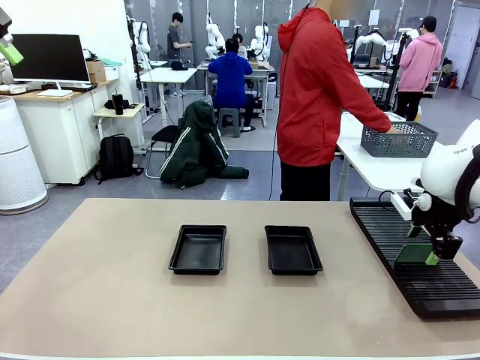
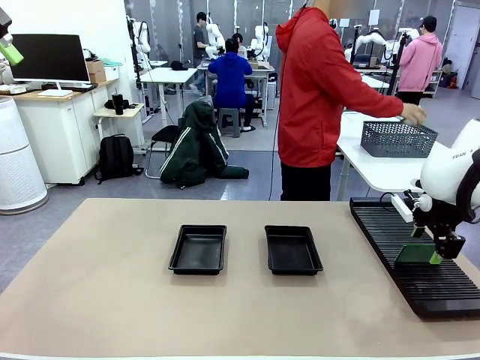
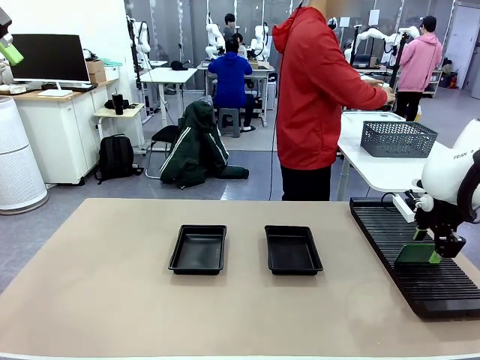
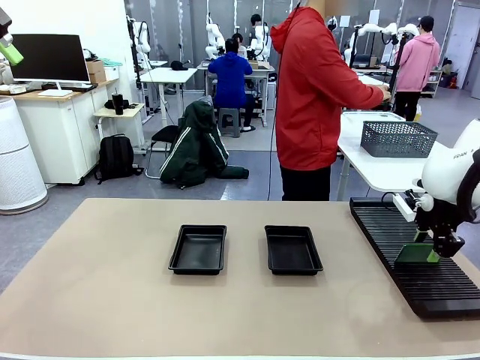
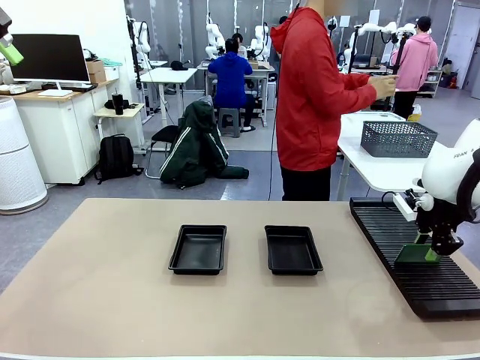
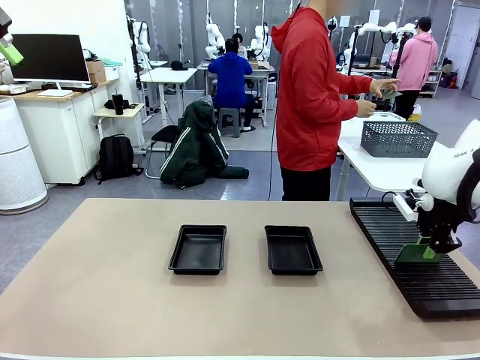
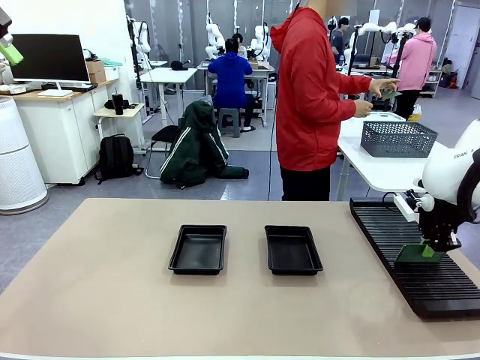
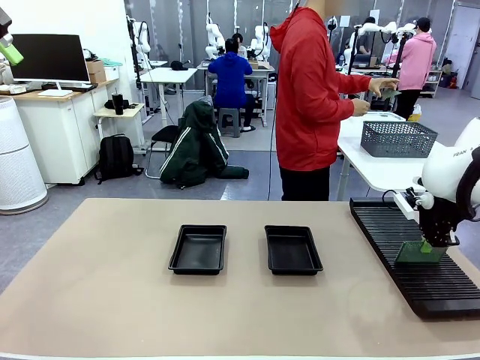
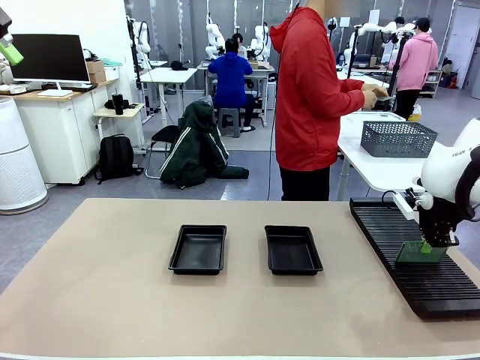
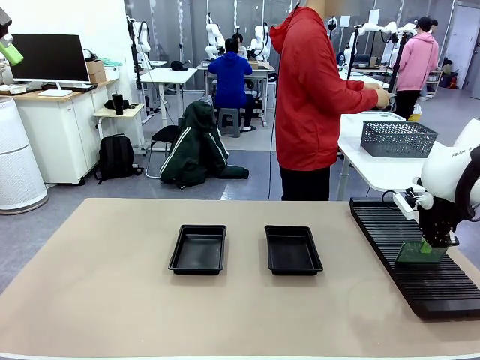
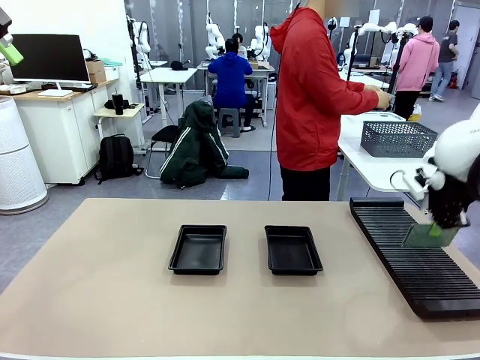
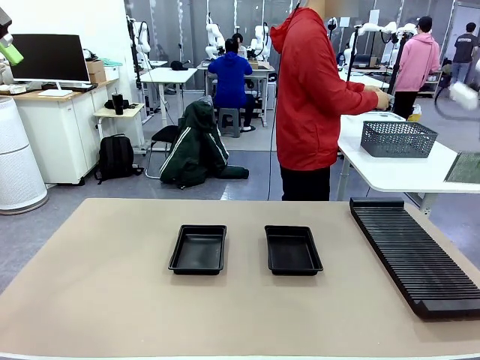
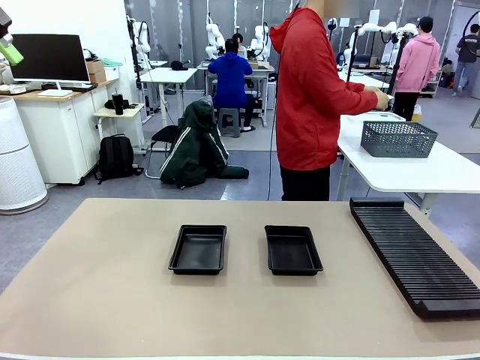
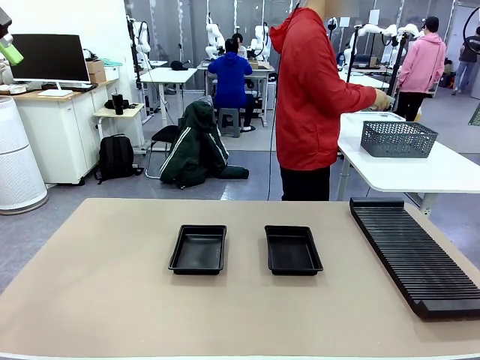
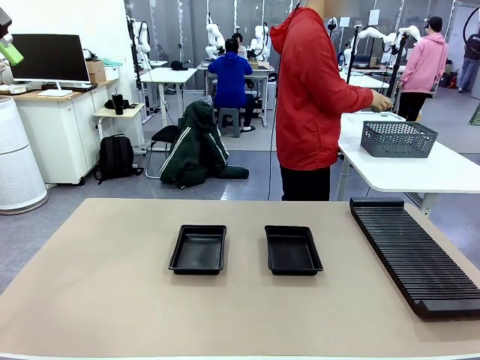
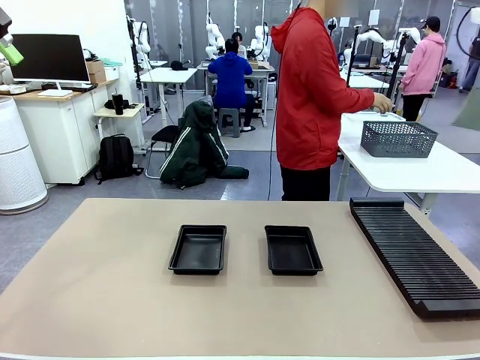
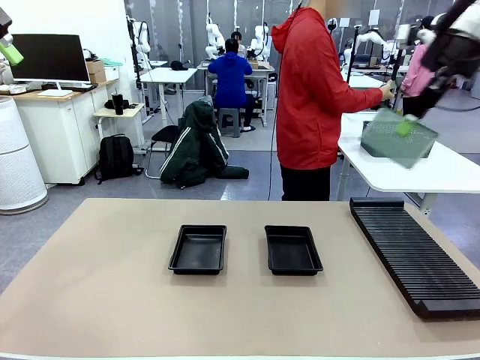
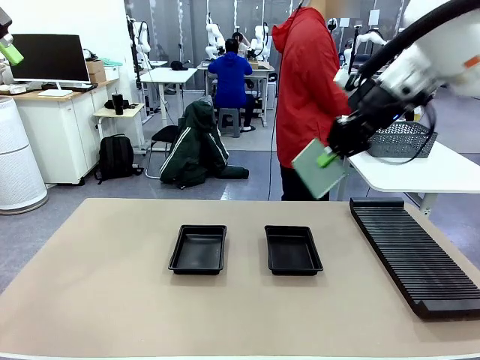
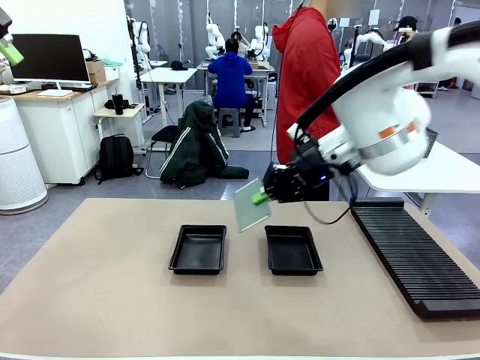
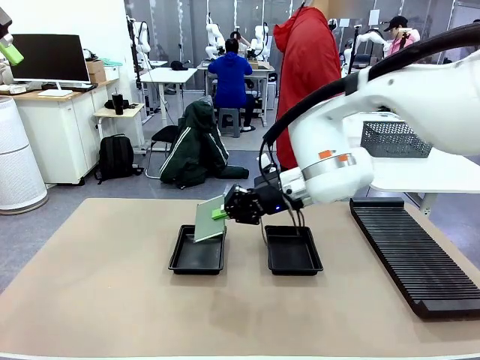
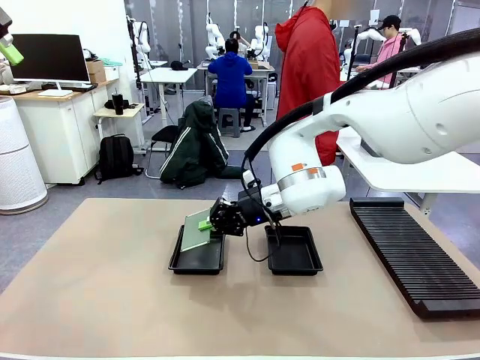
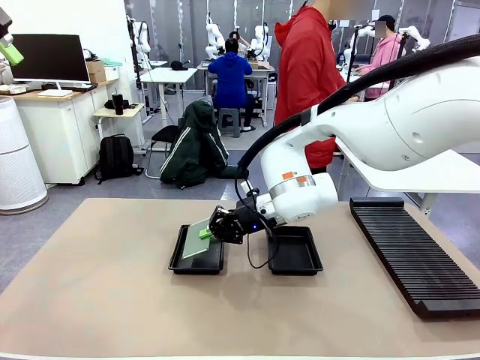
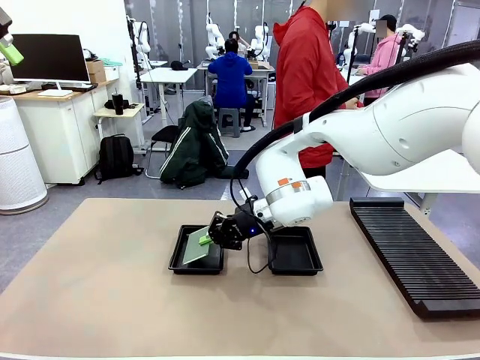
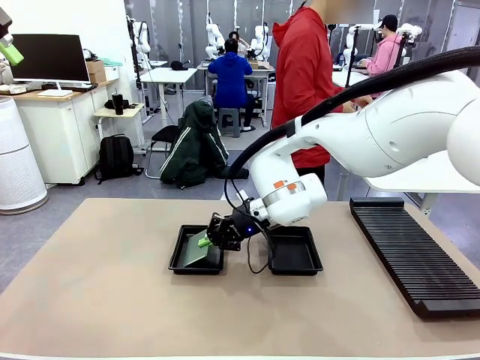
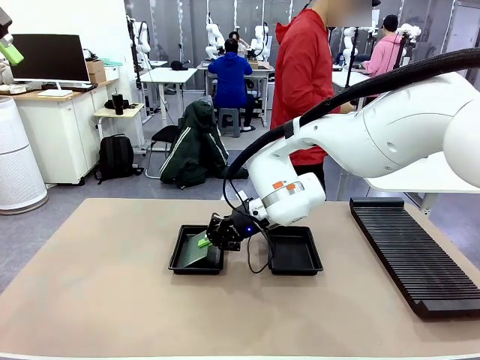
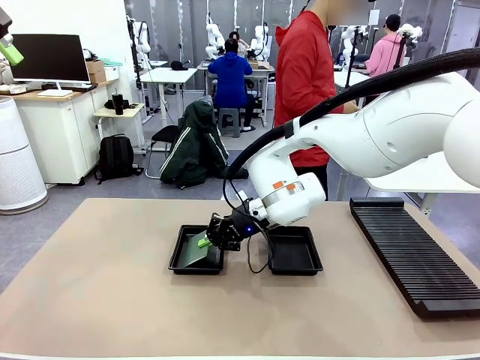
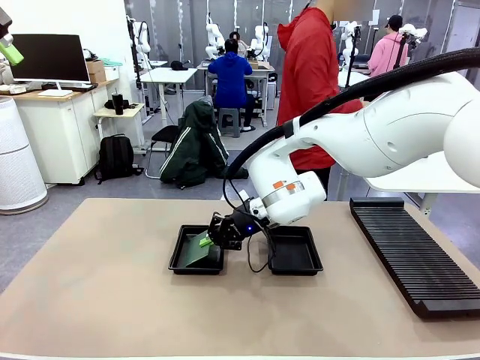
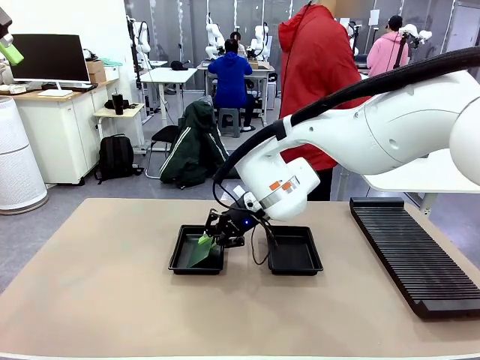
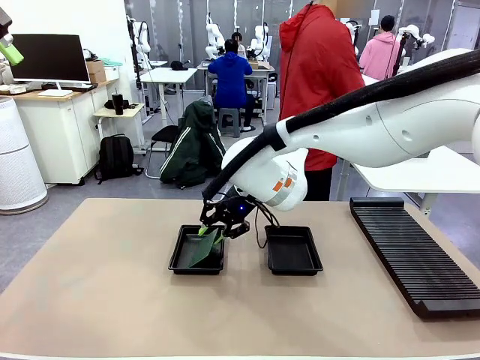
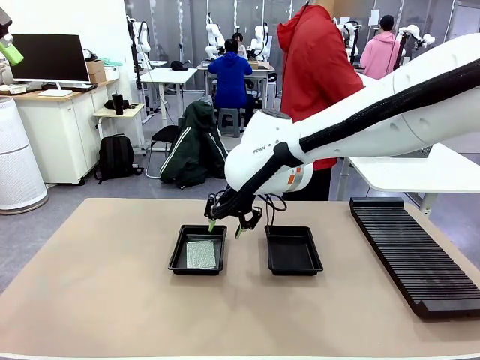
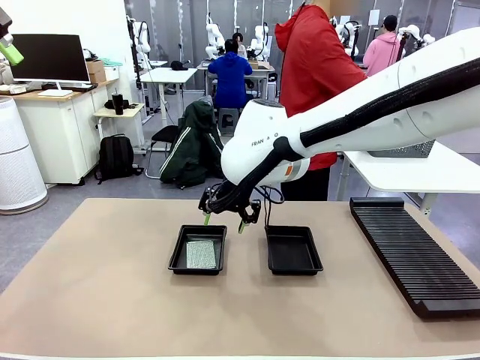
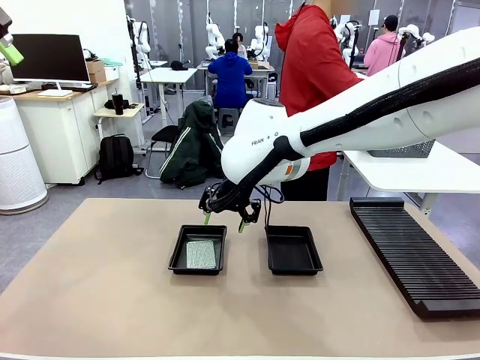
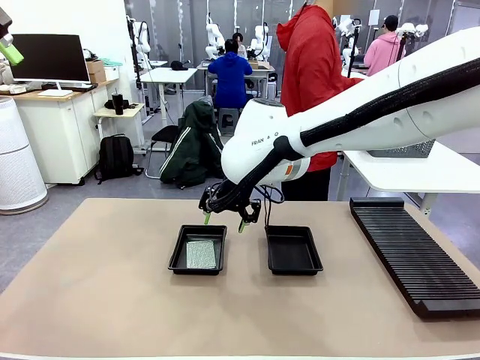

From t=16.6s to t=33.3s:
Task: Inspect and transfer BCBs to ESD trays.
Robot: Pick up the Blank PCB from the PCB Rack and place it in the left ESD tray.
